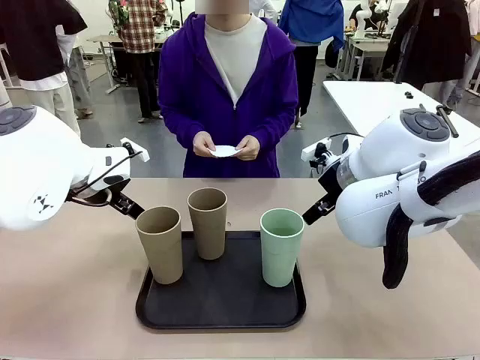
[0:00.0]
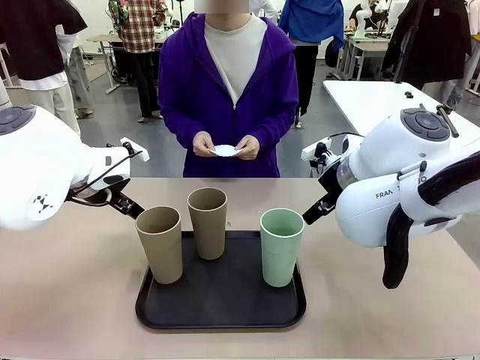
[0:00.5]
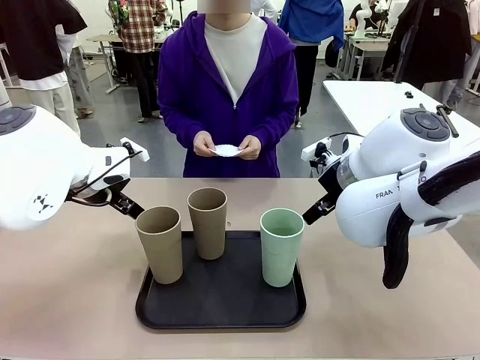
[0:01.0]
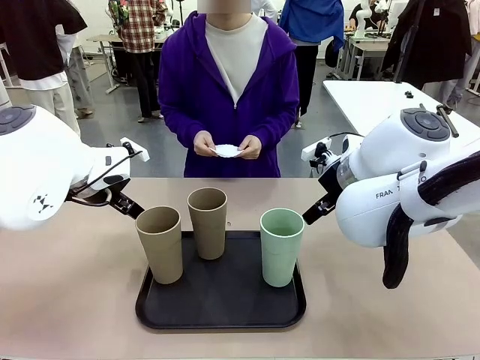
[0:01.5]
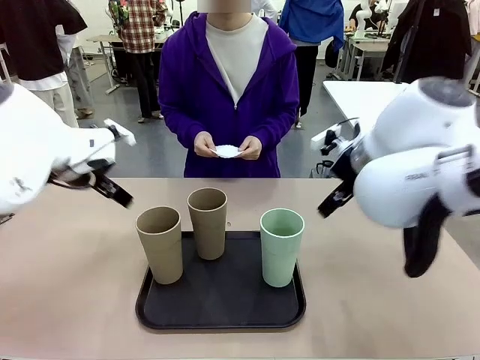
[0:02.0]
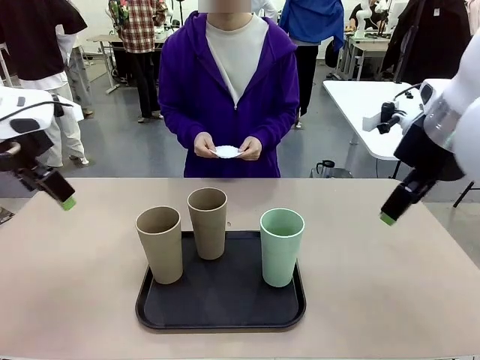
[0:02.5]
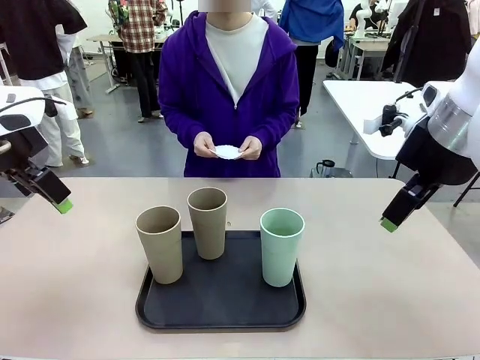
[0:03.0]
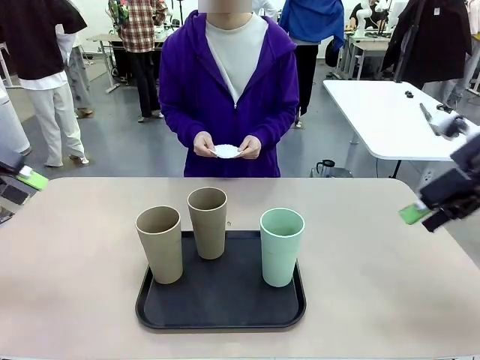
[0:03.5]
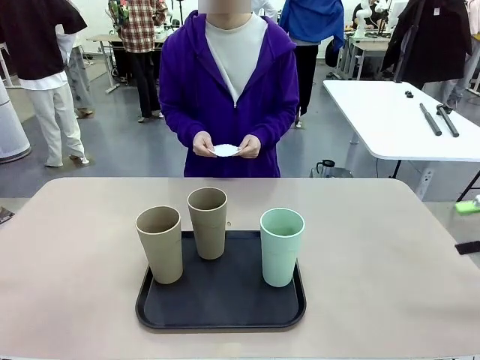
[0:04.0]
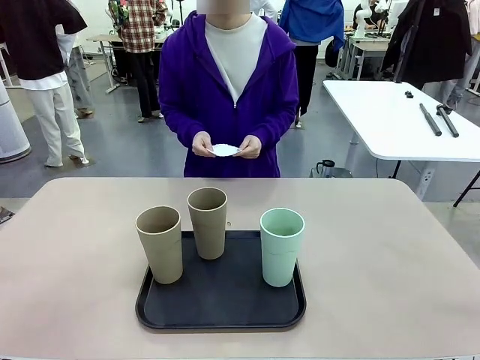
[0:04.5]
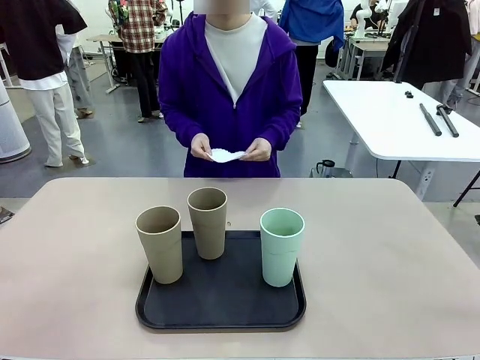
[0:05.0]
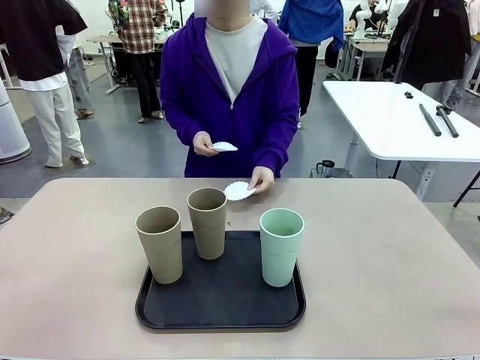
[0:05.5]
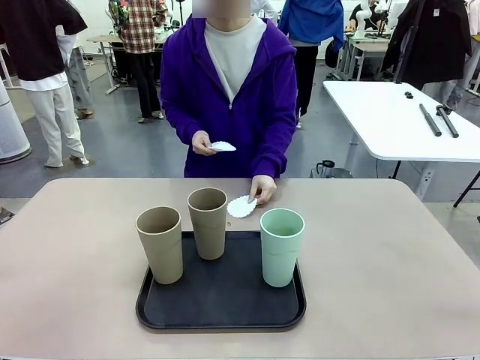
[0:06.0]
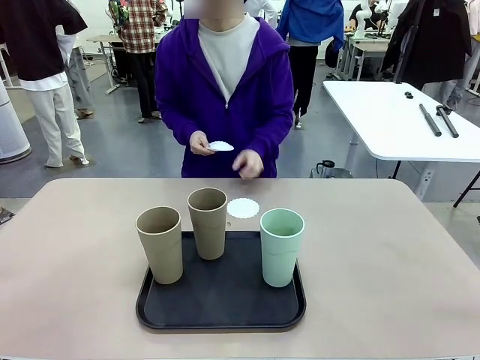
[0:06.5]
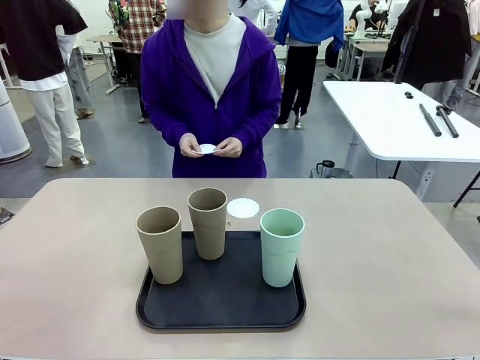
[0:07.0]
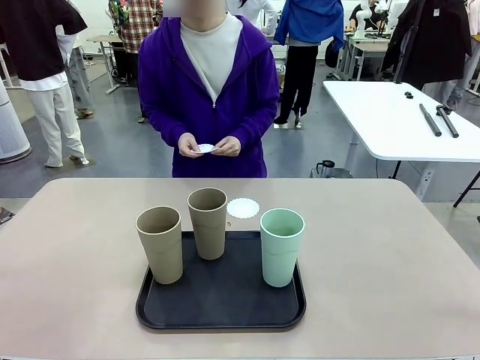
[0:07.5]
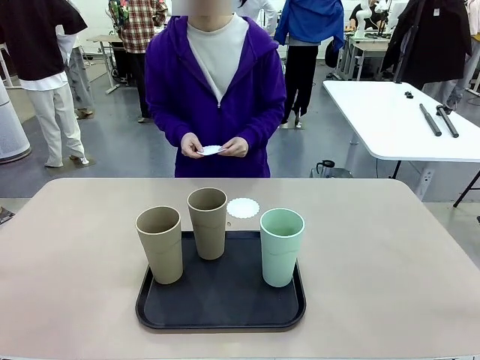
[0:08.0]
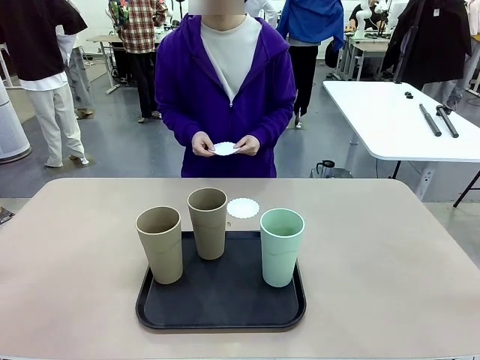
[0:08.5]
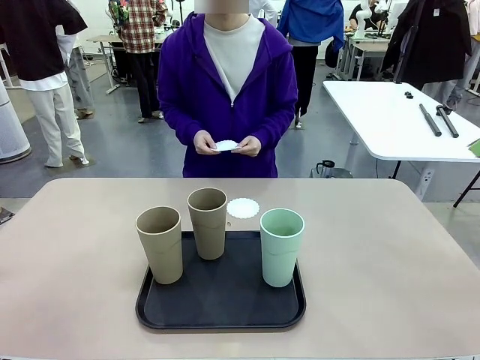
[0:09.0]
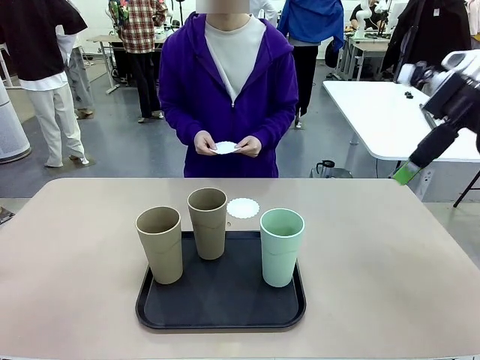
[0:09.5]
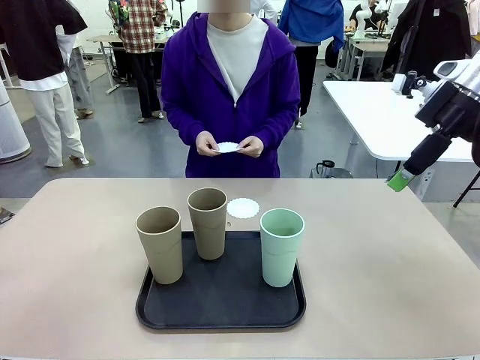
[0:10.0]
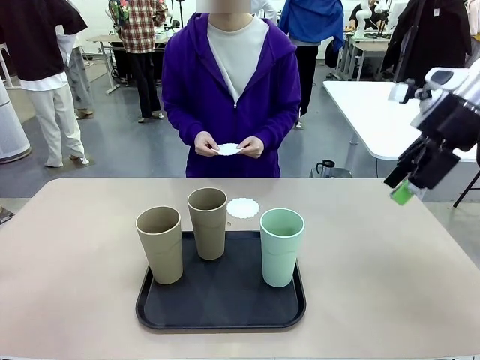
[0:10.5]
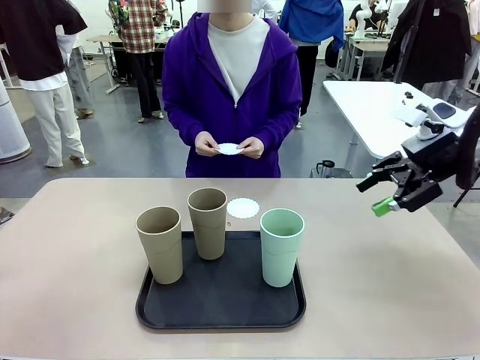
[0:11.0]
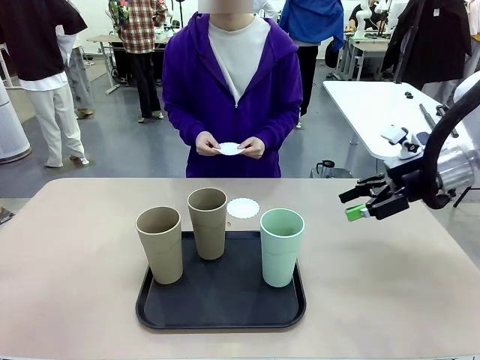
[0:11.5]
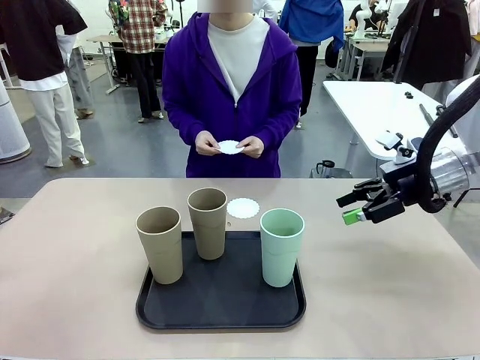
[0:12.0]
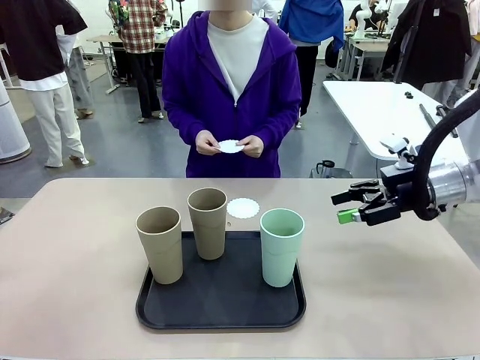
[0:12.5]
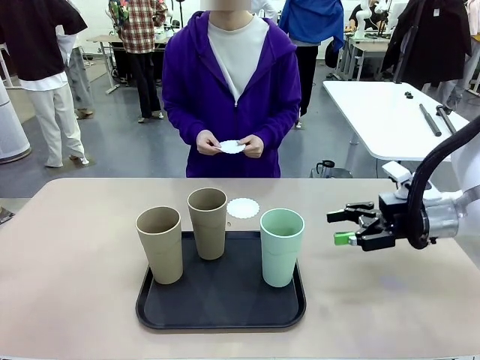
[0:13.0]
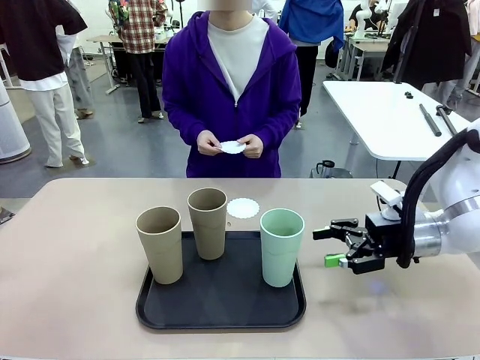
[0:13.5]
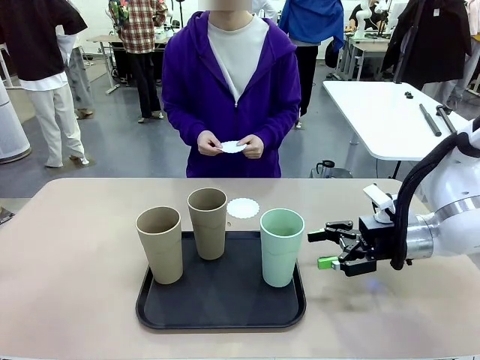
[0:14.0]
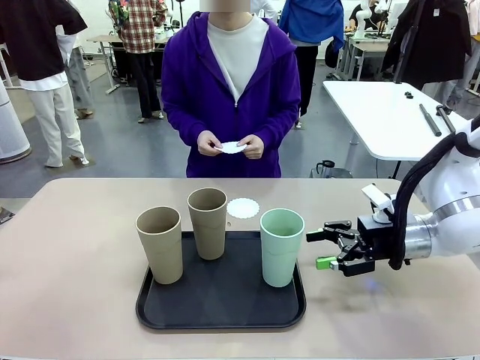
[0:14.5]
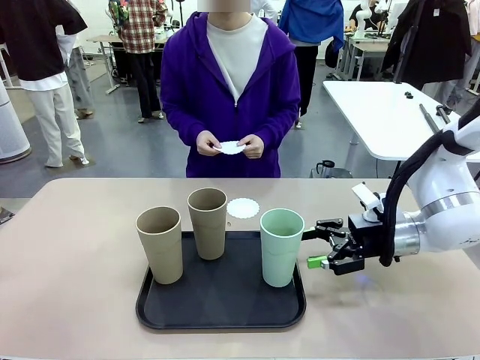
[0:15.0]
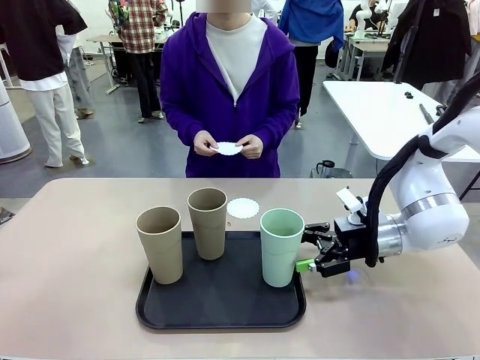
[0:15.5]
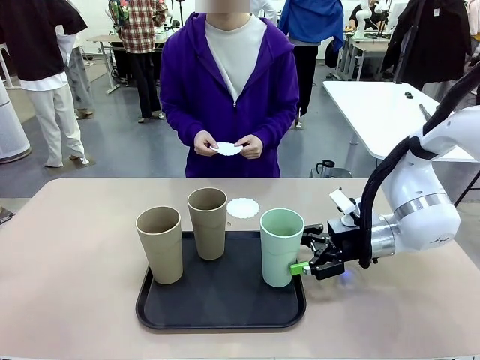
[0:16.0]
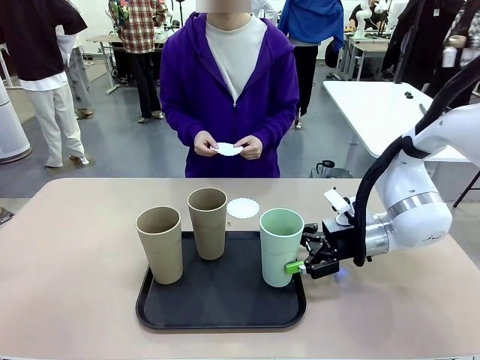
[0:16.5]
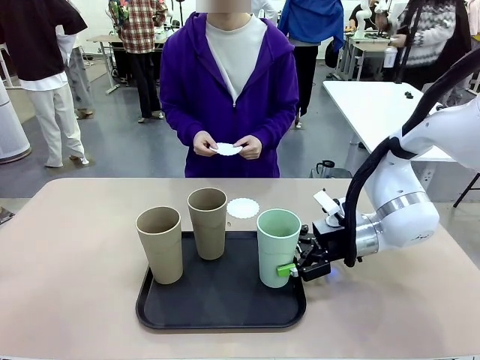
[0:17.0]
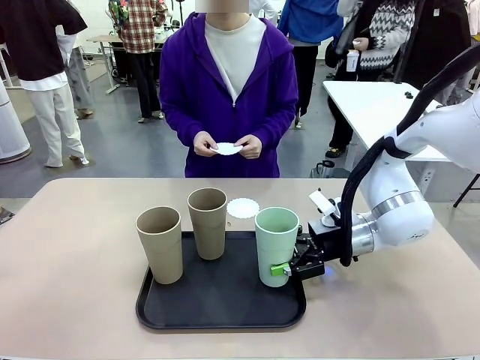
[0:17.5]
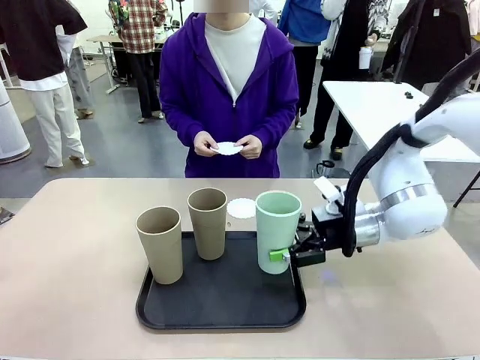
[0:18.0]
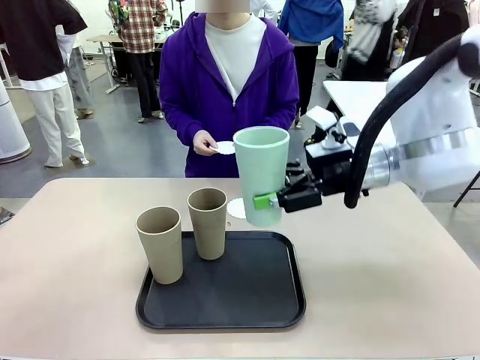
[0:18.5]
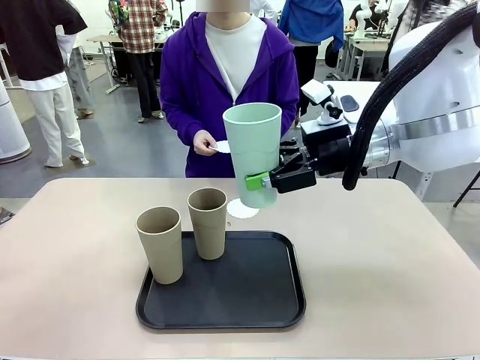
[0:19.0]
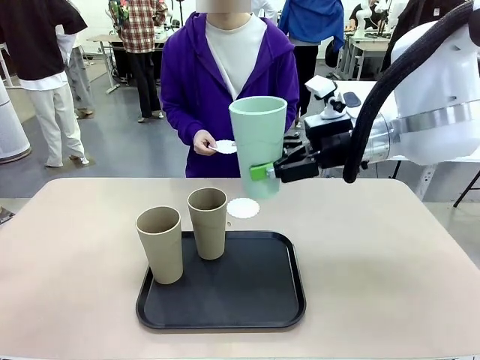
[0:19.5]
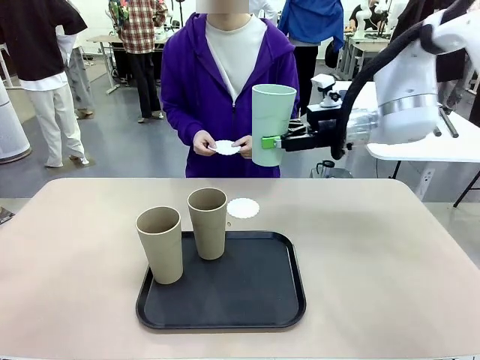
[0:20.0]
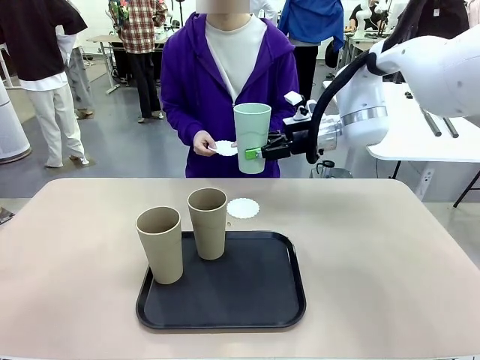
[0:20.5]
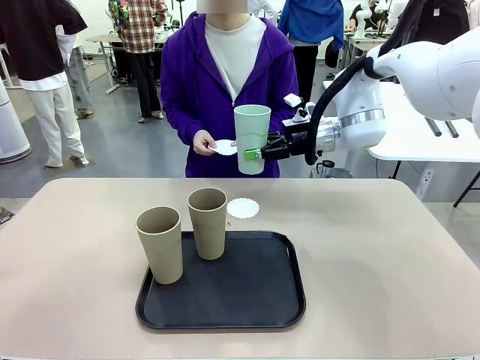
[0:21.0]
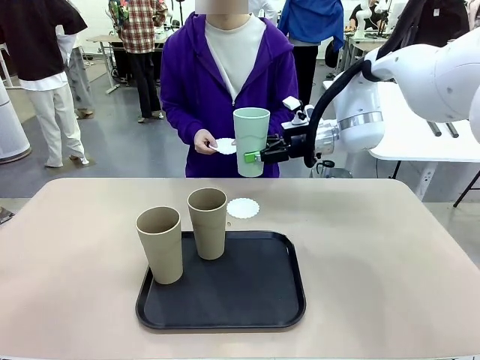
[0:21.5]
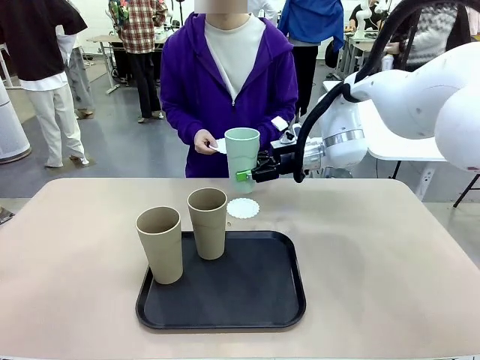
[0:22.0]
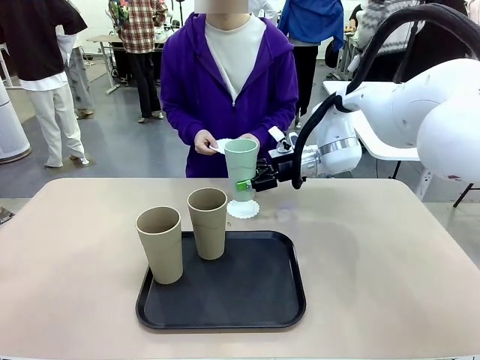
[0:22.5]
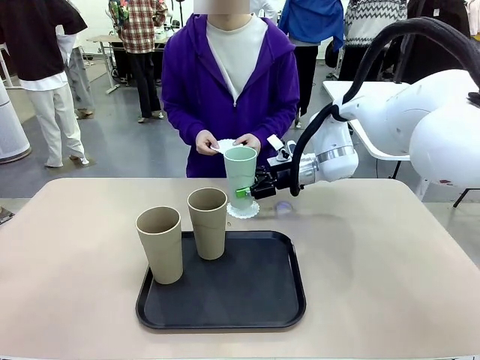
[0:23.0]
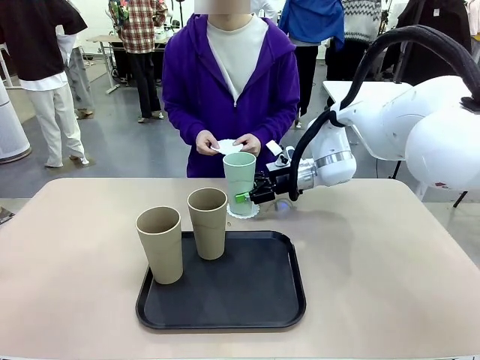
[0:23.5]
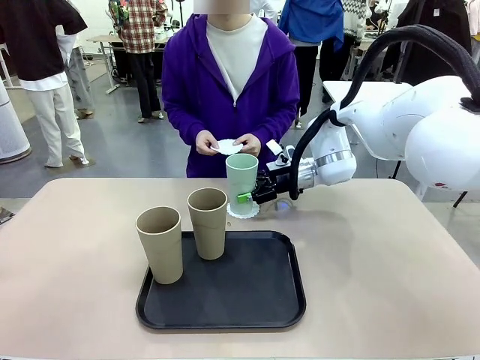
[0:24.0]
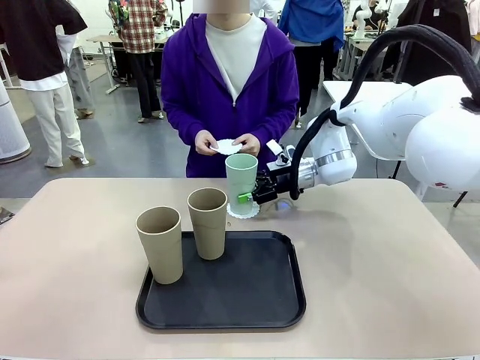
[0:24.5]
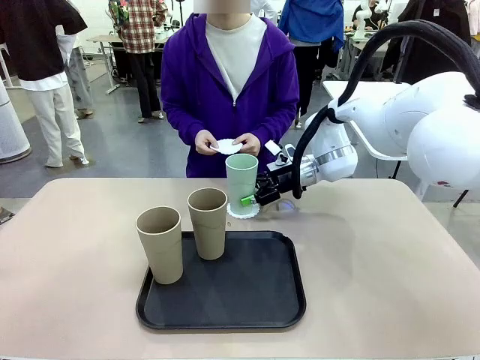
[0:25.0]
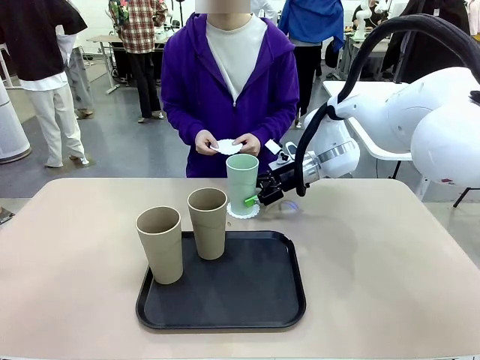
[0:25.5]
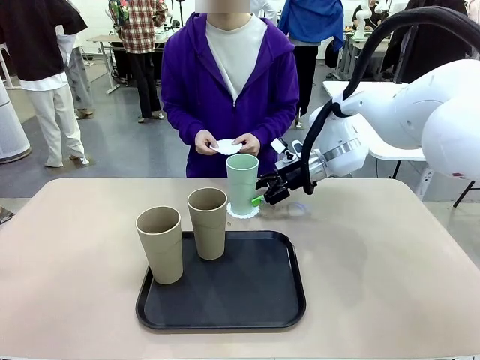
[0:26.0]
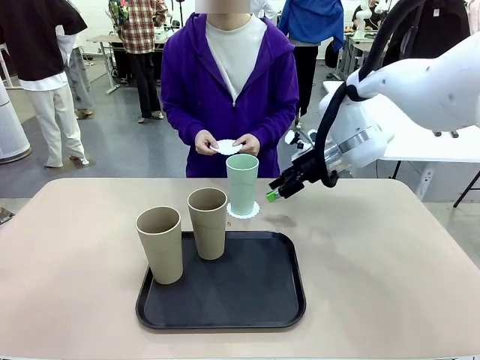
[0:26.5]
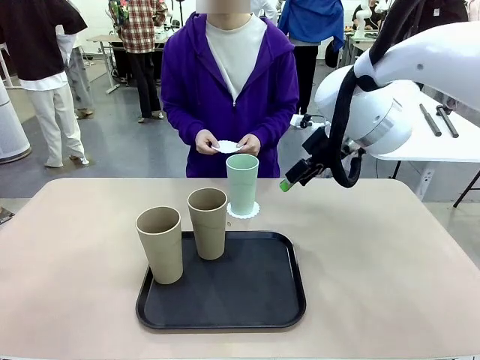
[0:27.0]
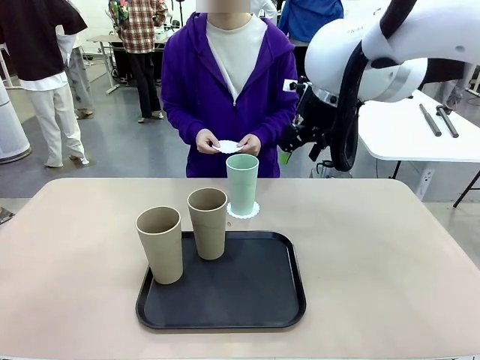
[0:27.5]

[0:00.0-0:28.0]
Task: Place coasters on the table and set cups on them.
Robot: Pick up one Reusable plastic cup and place it on a coaster set by the human.
Person: Place one coaster in any one of the three lower areas of the robot table (left, center, or right). Place one coaster in one of the two areas excluding the previously selected area.
